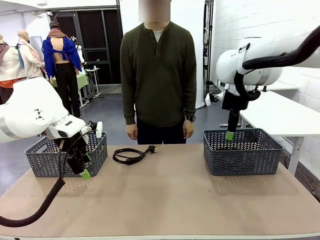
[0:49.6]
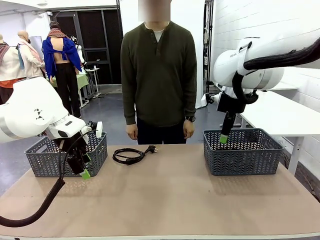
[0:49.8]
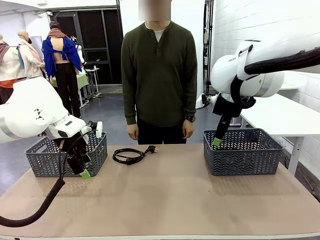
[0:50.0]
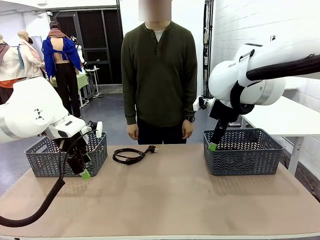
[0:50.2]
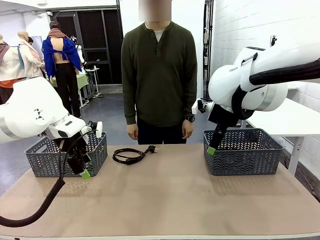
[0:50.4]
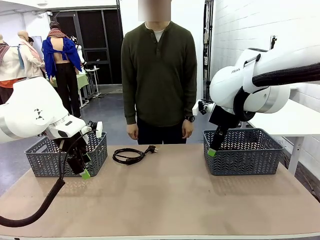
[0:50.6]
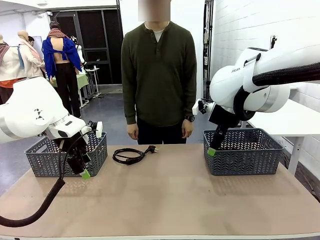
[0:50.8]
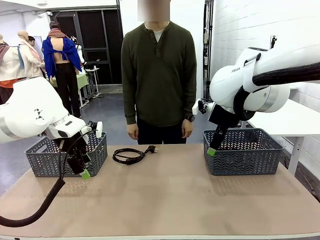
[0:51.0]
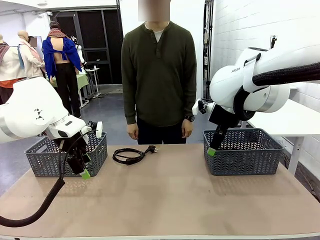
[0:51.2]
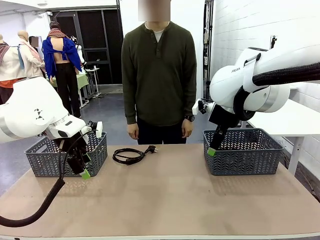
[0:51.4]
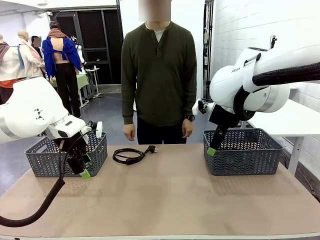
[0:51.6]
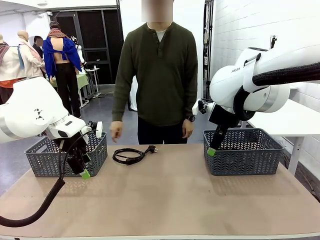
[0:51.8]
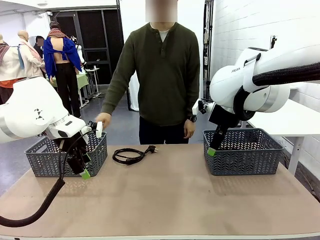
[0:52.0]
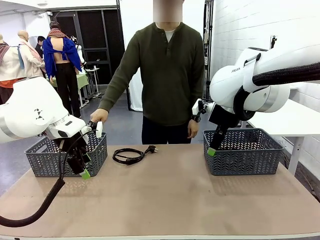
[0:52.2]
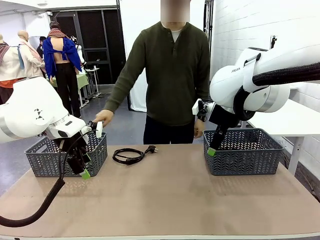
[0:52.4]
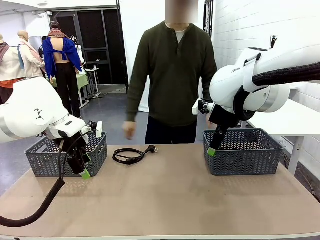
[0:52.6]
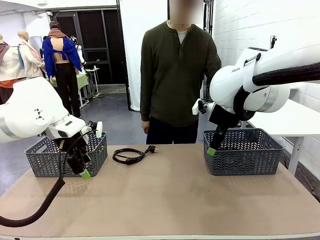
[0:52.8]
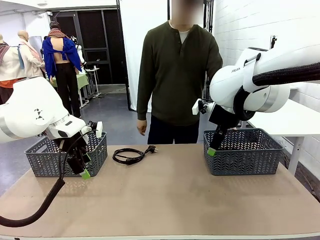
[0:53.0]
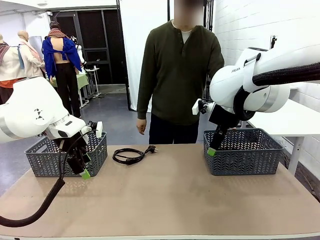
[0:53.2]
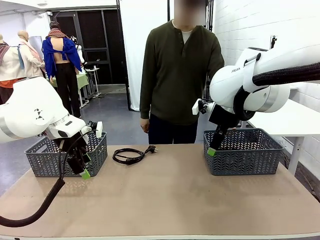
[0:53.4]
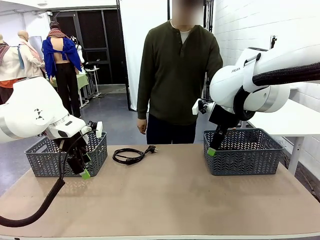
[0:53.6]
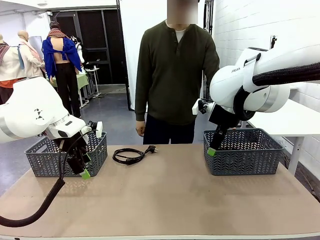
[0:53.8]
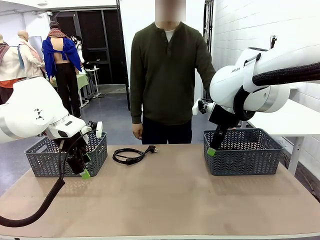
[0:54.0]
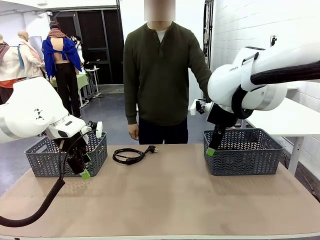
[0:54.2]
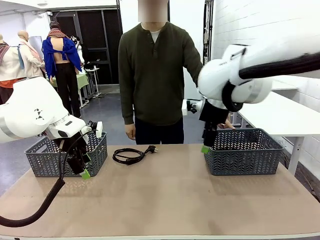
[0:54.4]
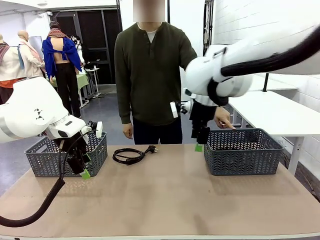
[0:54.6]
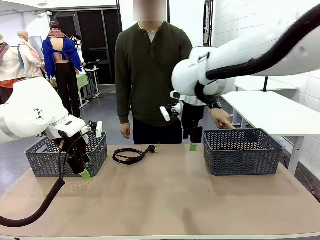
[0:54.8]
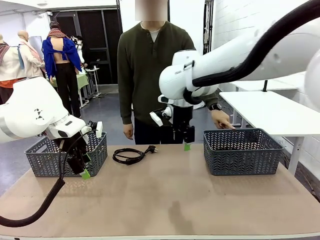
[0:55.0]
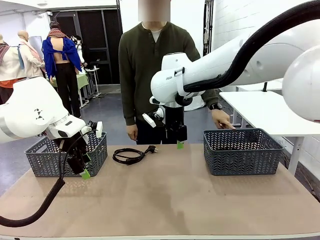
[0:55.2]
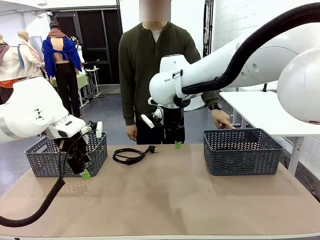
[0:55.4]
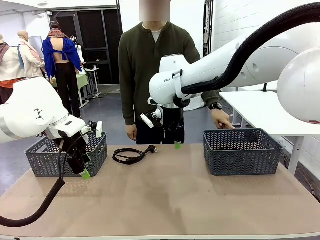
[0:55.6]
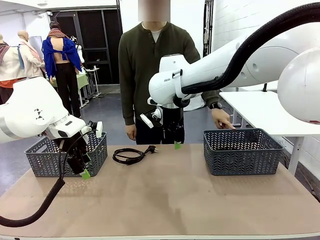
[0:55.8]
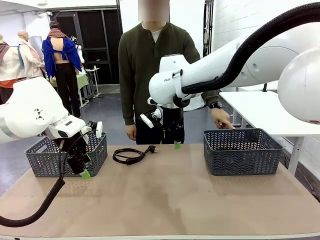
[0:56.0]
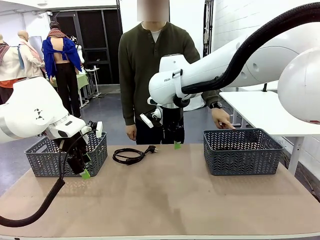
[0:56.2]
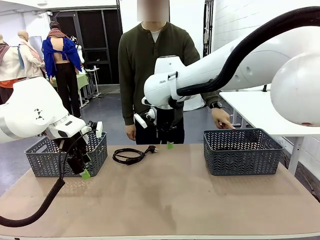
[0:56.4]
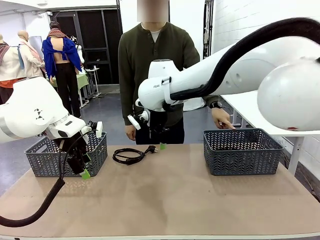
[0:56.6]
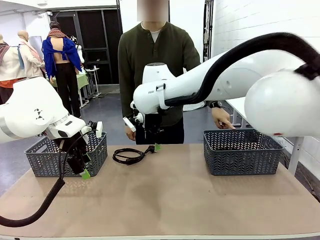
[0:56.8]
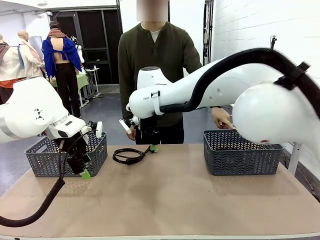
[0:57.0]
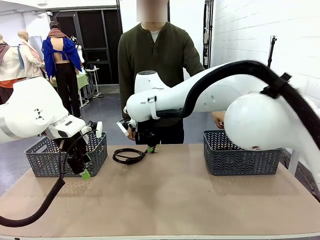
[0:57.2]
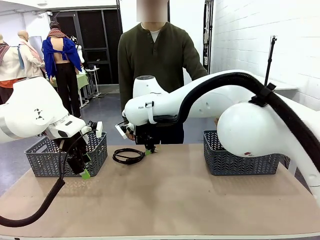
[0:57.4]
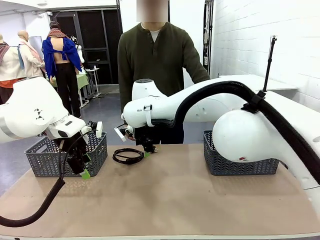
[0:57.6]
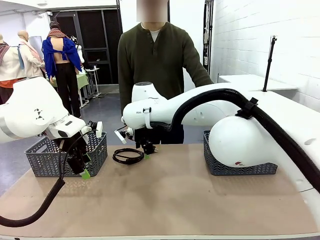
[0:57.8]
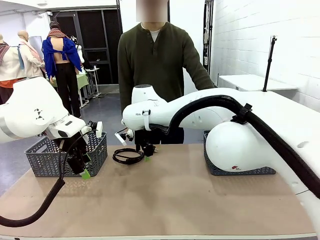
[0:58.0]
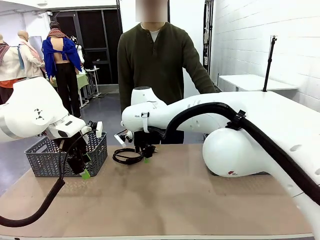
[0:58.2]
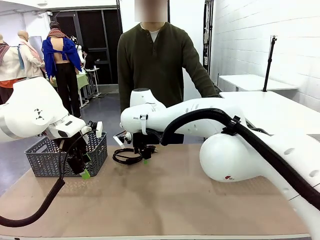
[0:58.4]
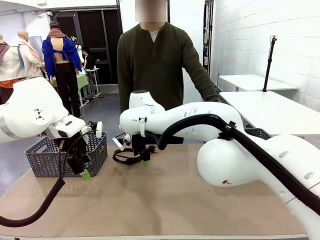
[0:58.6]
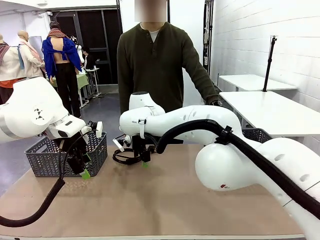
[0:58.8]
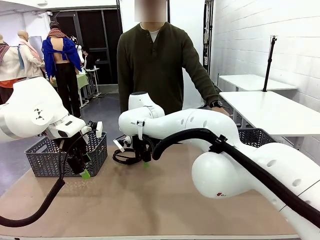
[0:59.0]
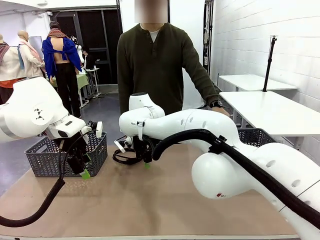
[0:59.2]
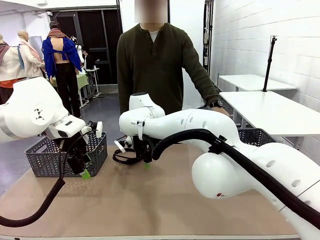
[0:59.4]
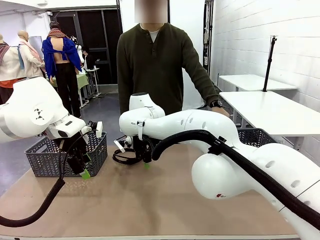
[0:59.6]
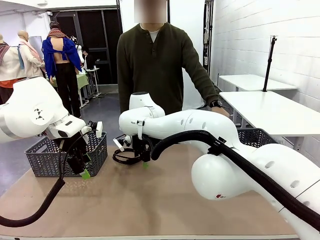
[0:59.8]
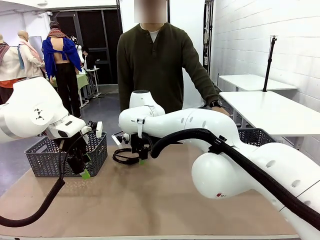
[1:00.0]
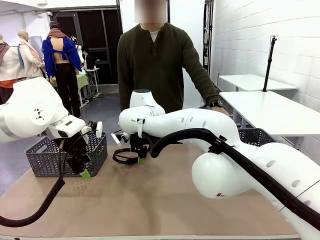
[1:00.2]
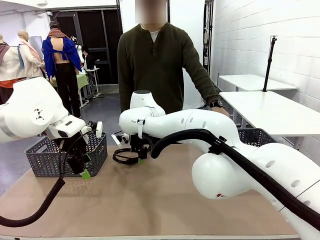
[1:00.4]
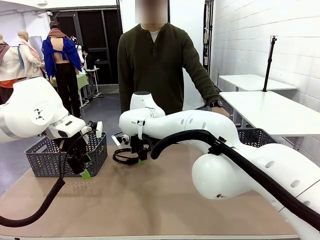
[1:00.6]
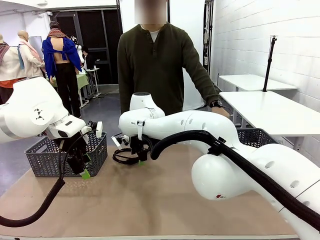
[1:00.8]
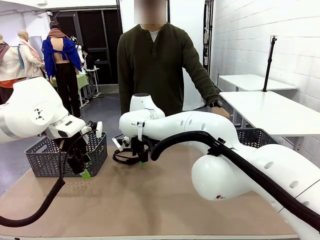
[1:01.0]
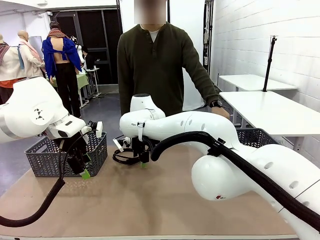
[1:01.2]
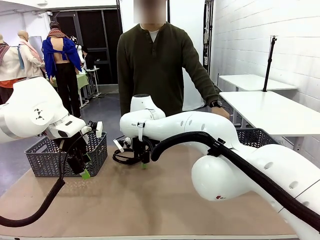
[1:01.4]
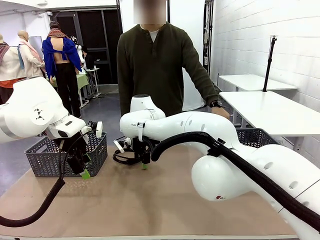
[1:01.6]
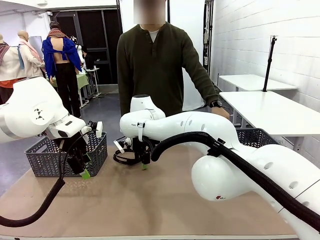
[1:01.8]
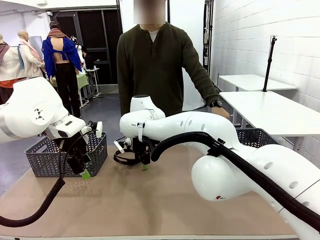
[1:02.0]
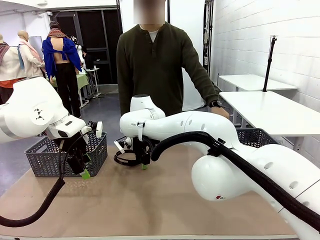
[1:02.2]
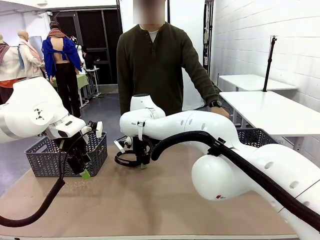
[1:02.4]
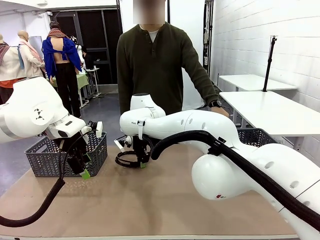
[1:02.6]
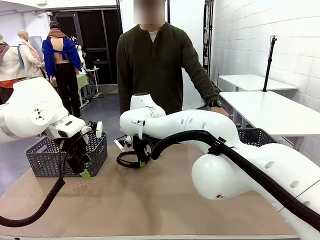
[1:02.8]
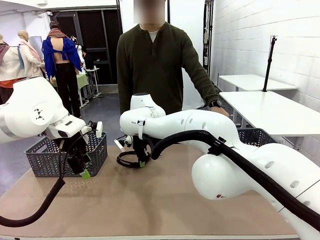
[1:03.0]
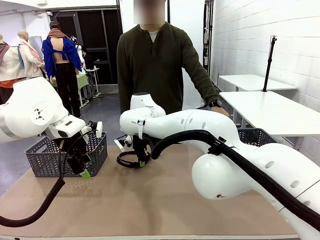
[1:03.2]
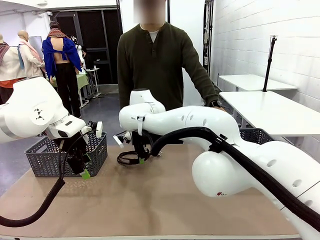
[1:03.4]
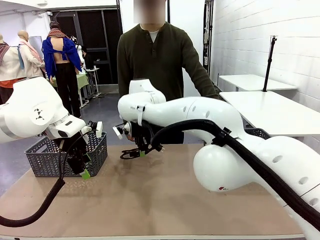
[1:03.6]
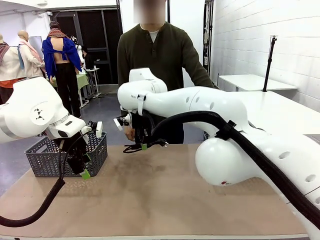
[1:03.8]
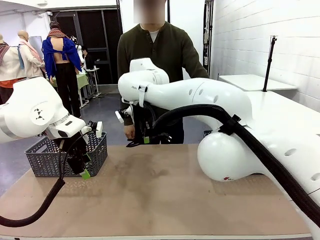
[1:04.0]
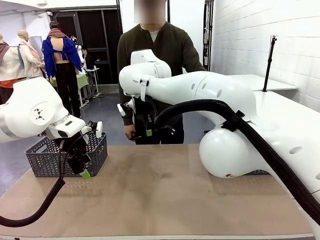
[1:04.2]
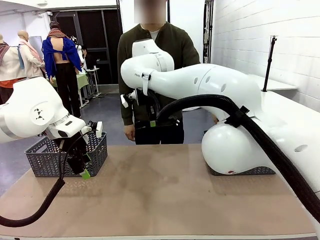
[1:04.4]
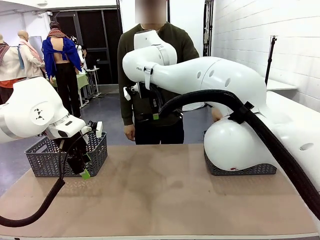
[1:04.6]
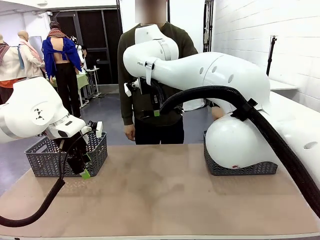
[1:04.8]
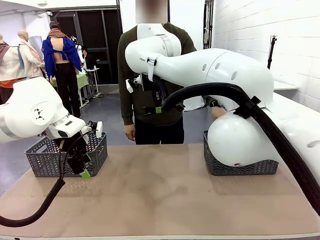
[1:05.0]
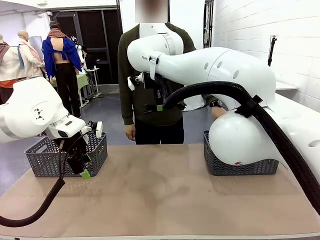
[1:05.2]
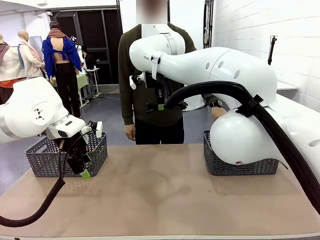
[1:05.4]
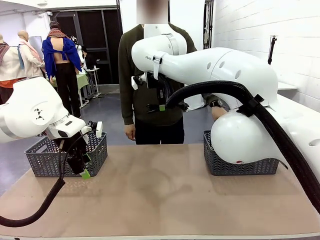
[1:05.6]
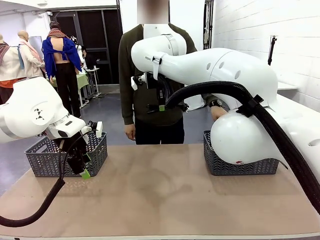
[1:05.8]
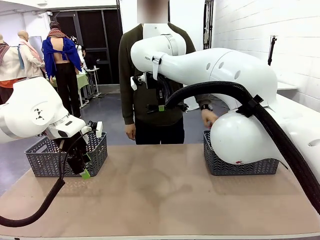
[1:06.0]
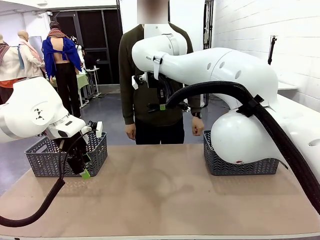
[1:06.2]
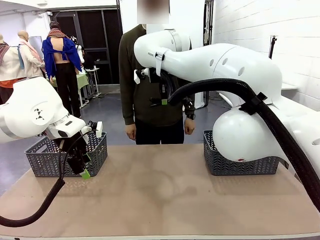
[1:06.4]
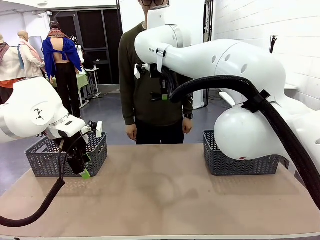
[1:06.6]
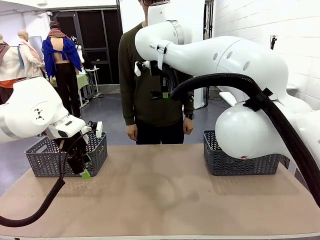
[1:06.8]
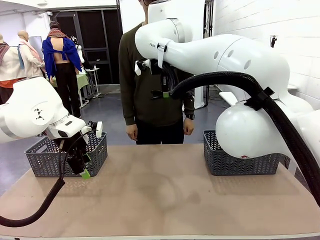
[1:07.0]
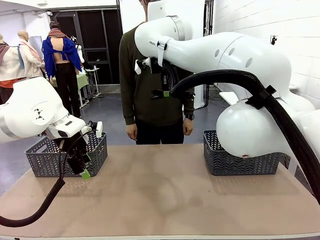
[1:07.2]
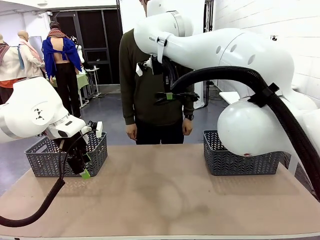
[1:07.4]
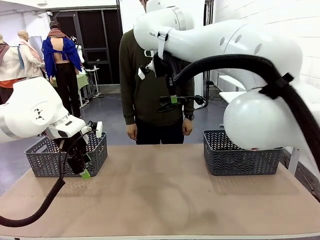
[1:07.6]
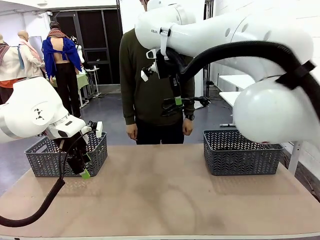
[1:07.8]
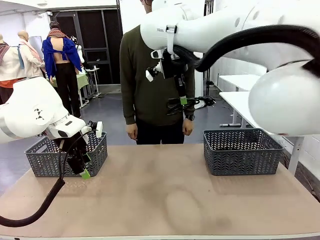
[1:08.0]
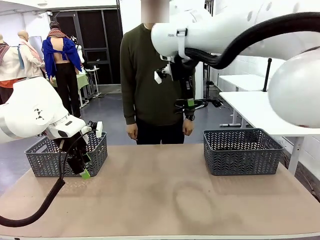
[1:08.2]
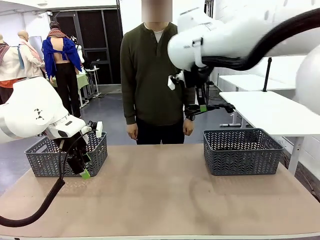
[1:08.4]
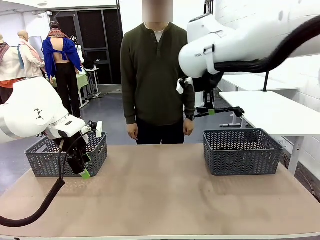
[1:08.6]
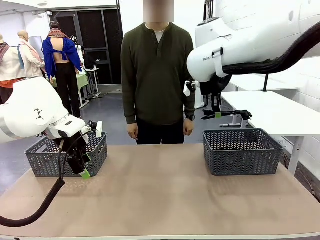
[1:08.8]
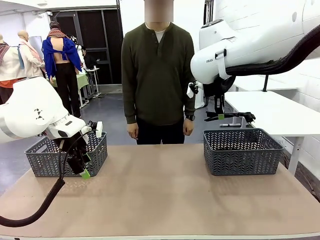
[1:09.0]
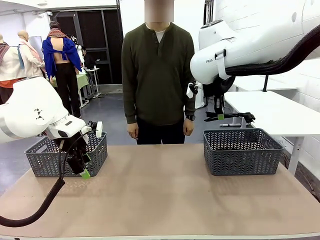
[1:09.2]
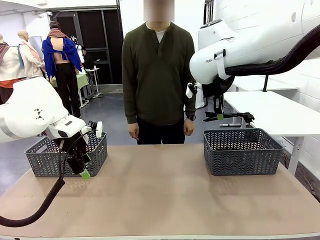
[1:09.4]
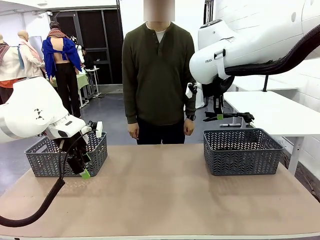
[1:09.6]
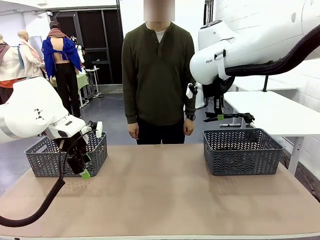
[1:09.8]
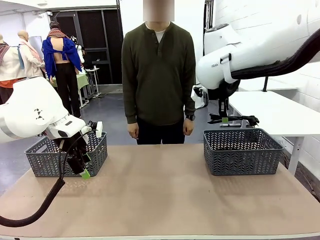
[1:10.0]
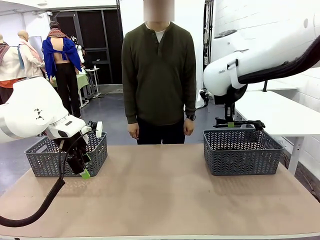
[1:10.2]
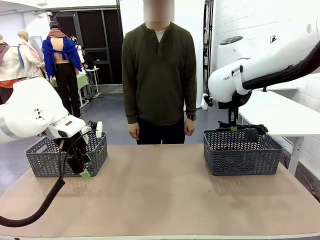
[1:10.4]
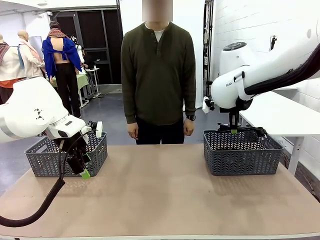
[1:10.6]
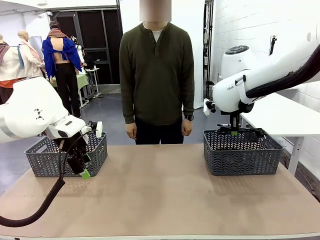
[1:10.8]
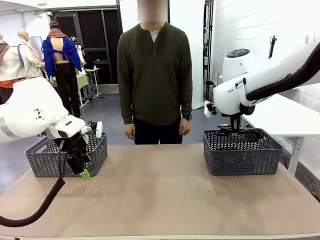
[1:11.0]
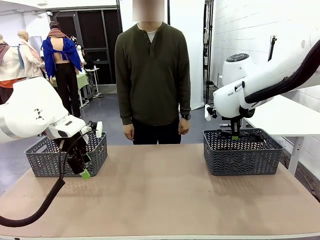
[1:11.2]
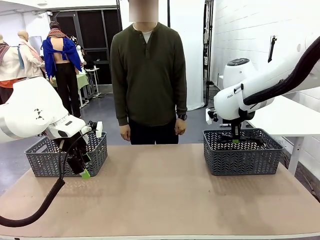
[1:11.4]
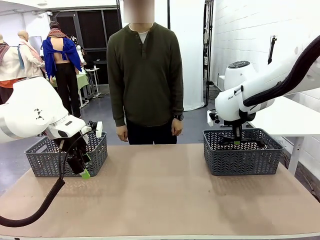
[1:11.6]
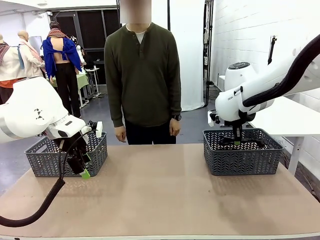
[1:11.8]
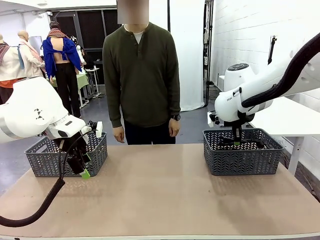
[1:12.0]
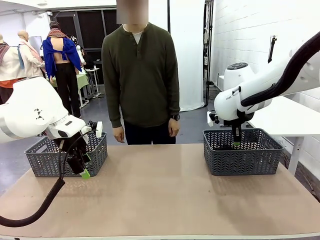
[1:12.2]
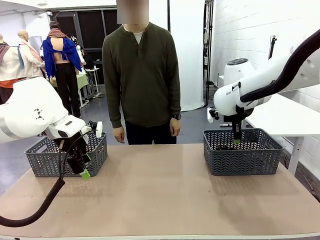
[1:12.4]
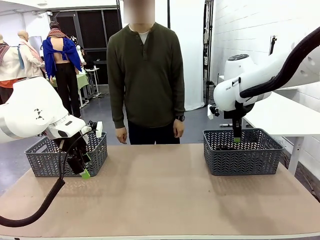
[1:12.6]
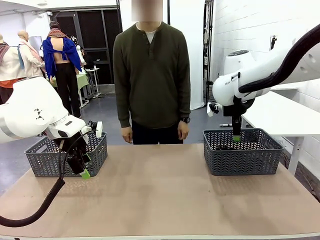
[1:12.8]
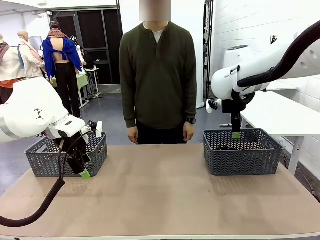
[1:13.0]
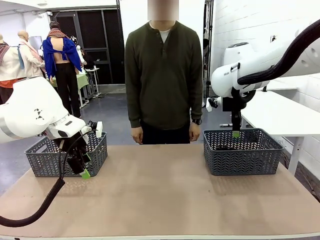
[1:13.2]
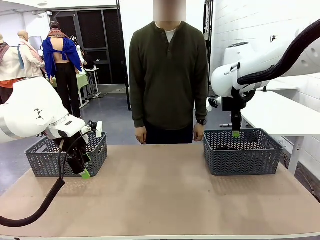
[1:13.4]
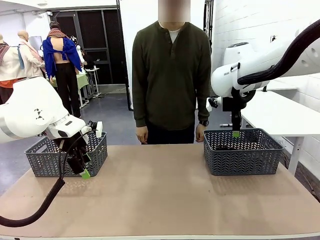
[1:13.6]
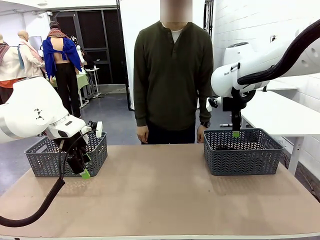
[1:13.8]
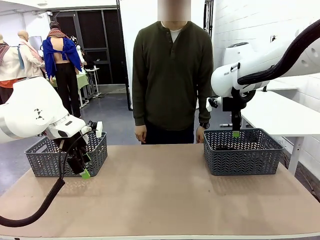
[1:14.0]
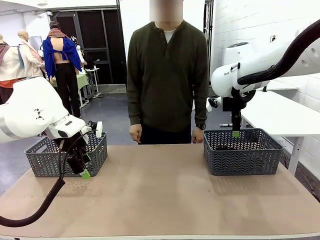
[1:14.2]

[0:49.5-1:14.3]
Task: Organize the cables according to human instructions.
Robot: Pick up a bundle of cables and place it in the basket indicated by the human.
